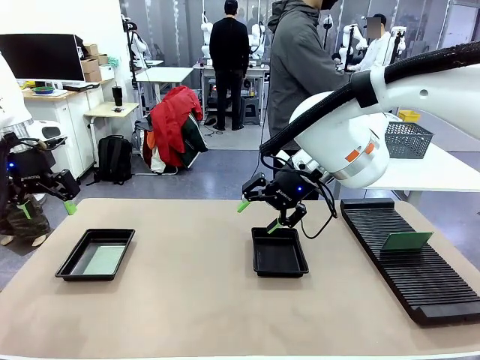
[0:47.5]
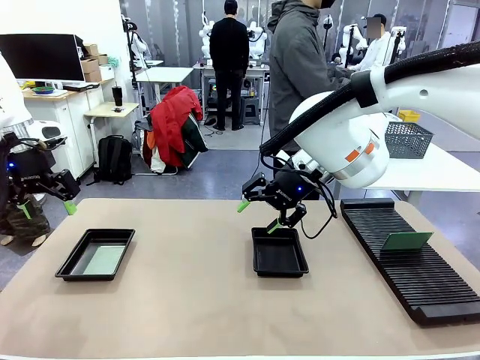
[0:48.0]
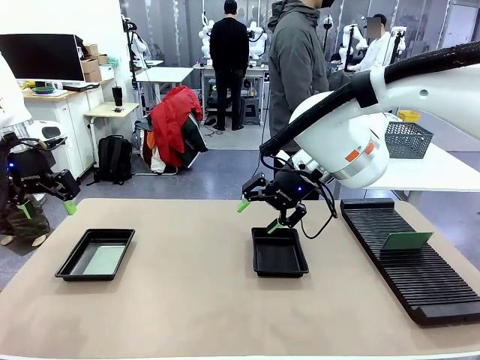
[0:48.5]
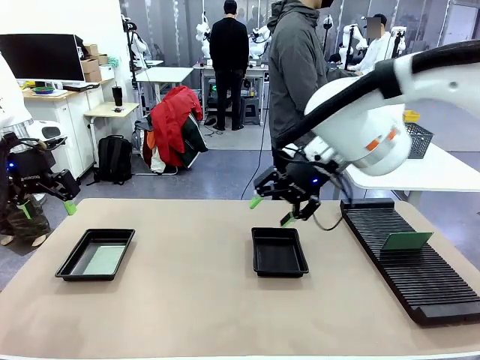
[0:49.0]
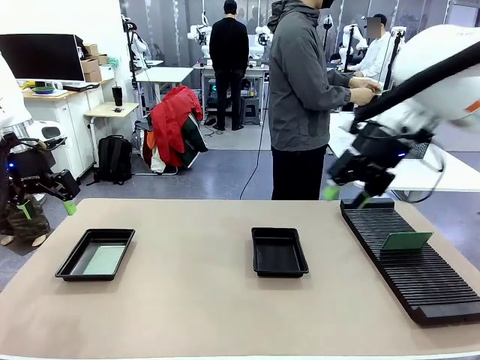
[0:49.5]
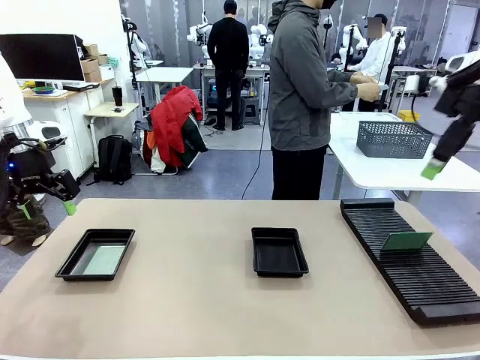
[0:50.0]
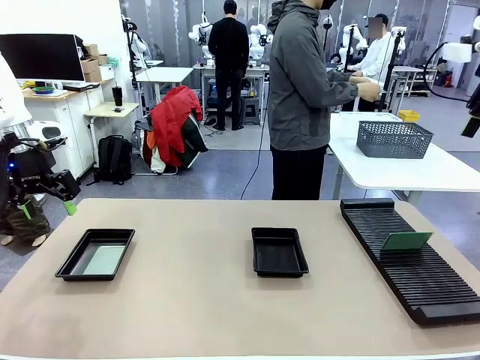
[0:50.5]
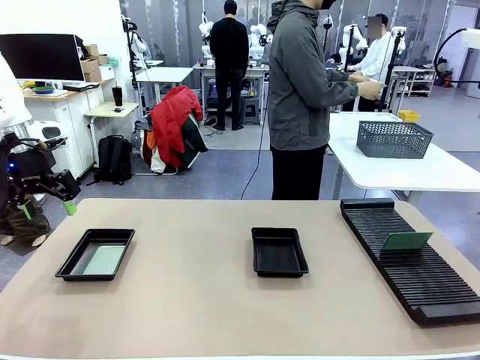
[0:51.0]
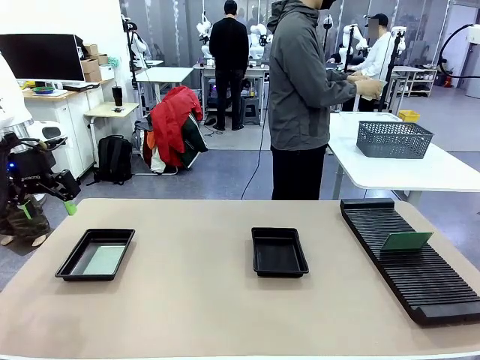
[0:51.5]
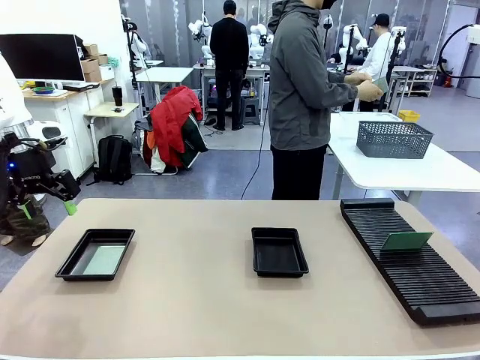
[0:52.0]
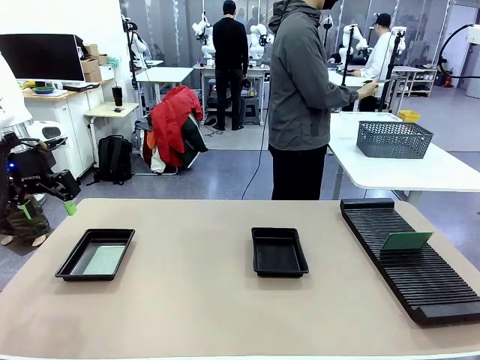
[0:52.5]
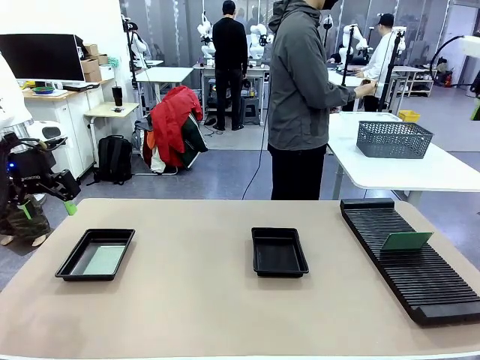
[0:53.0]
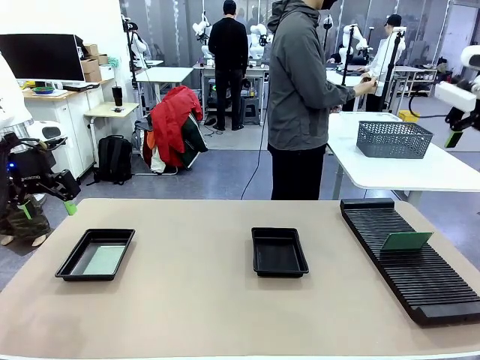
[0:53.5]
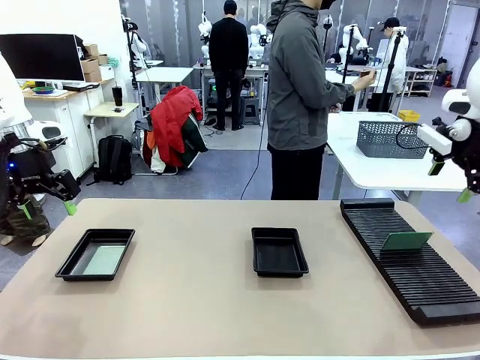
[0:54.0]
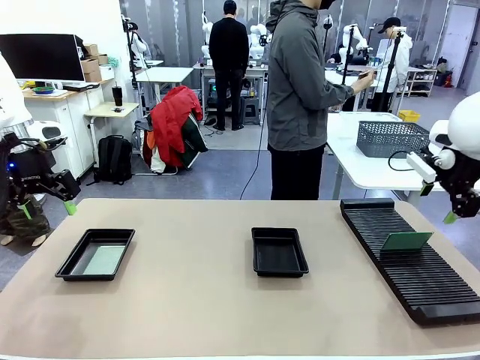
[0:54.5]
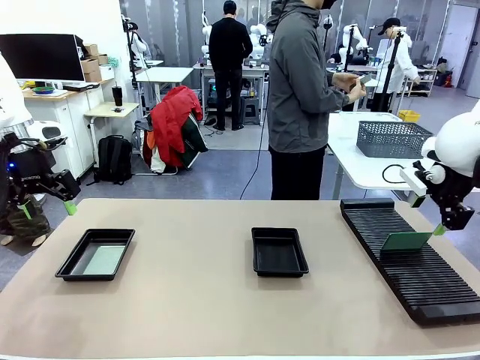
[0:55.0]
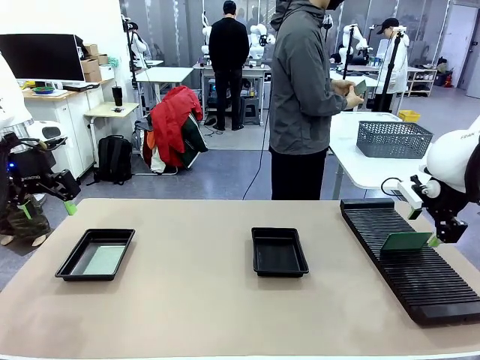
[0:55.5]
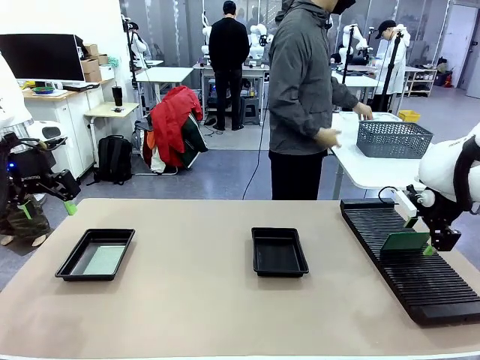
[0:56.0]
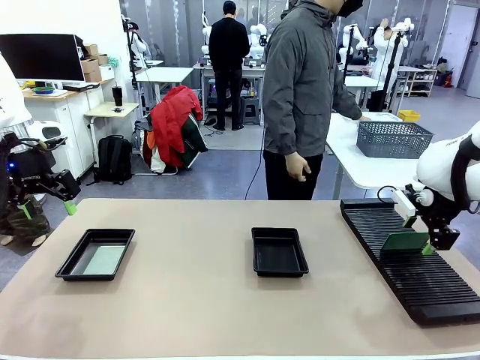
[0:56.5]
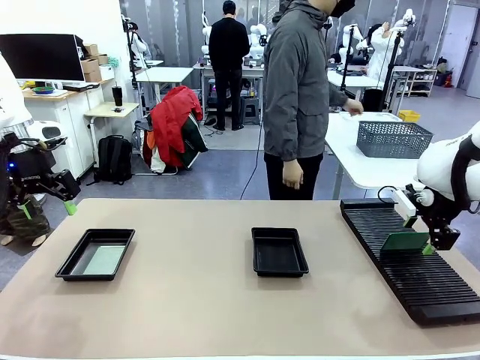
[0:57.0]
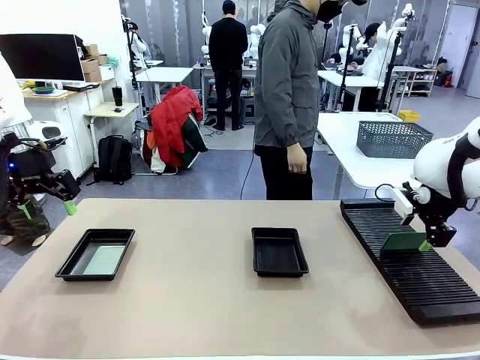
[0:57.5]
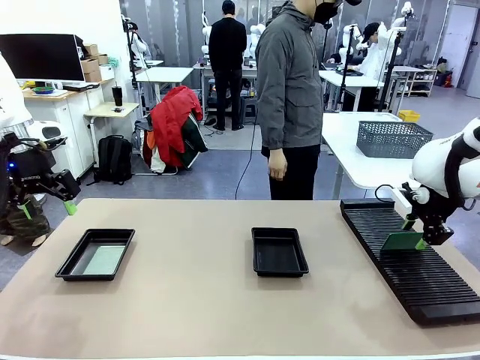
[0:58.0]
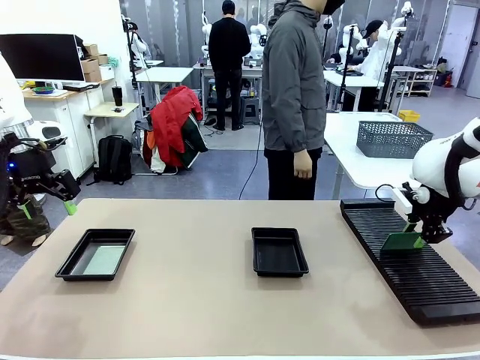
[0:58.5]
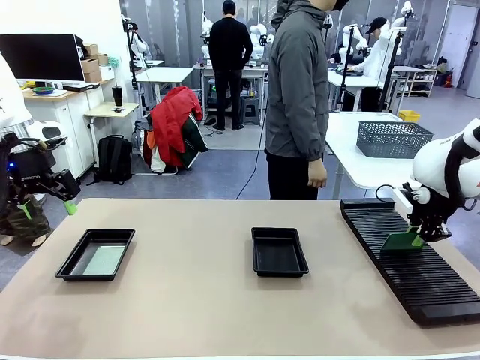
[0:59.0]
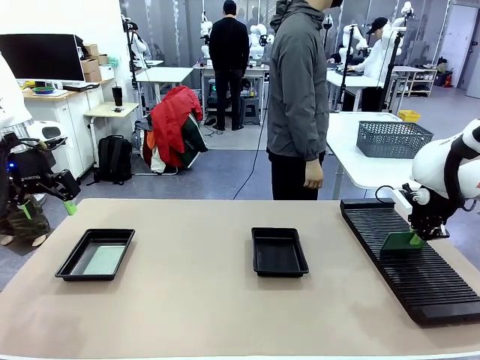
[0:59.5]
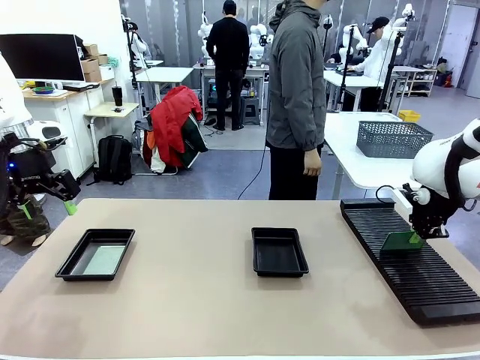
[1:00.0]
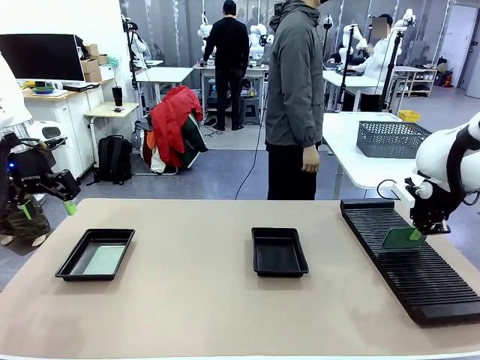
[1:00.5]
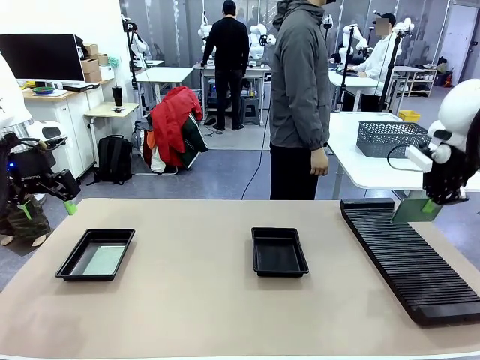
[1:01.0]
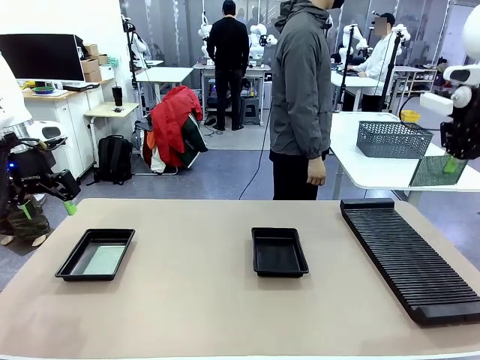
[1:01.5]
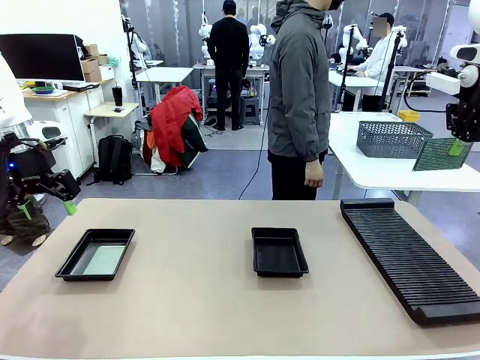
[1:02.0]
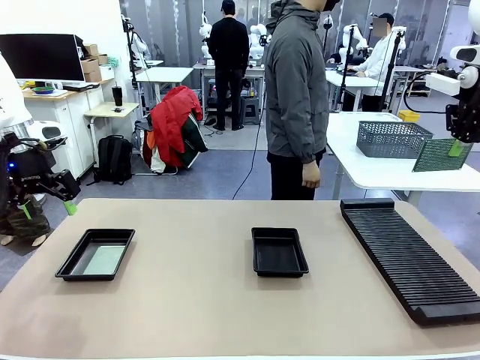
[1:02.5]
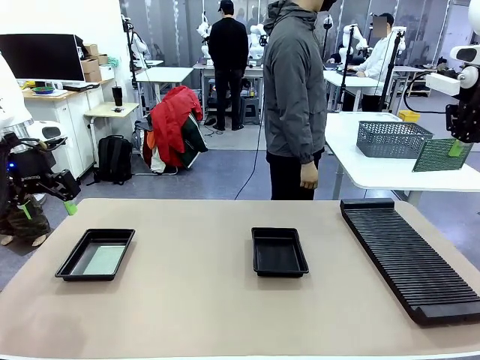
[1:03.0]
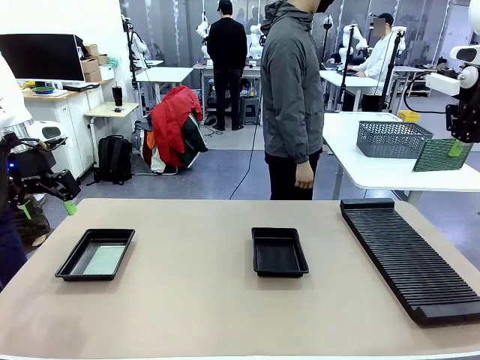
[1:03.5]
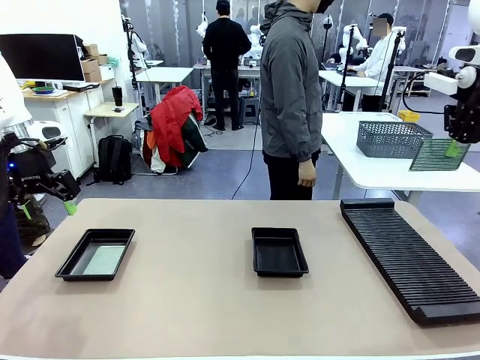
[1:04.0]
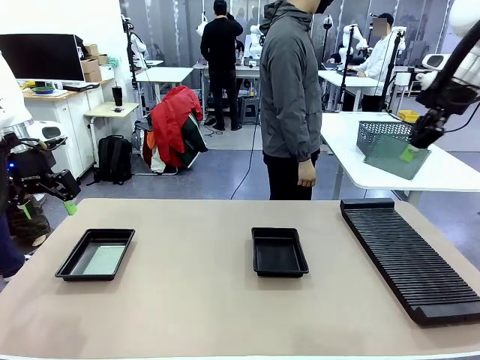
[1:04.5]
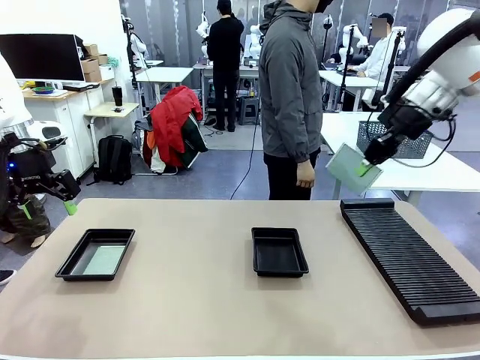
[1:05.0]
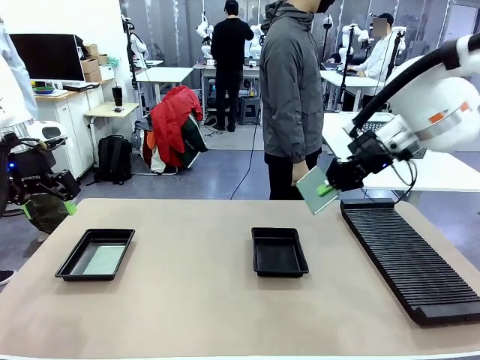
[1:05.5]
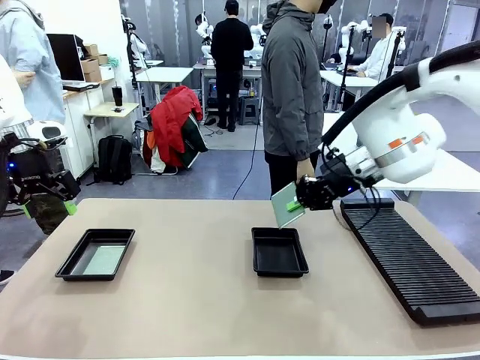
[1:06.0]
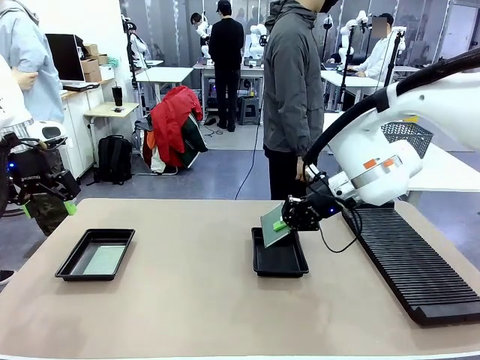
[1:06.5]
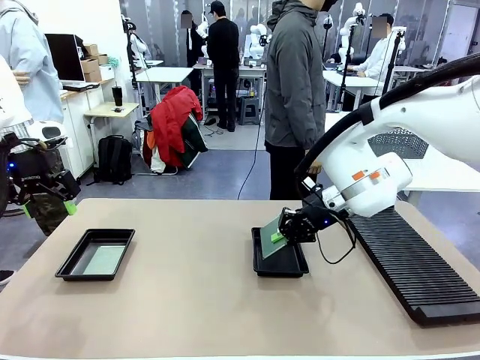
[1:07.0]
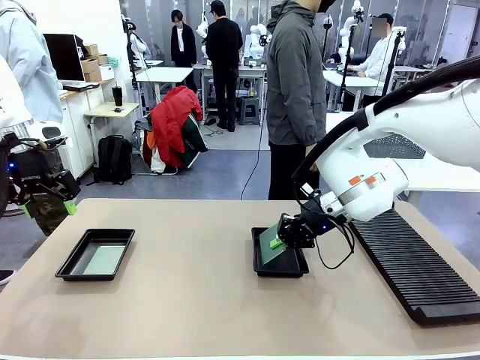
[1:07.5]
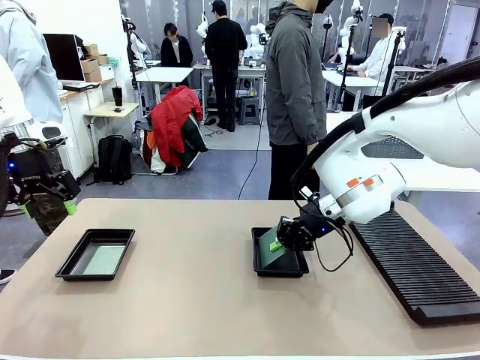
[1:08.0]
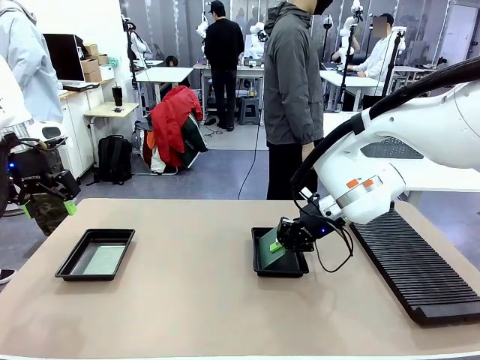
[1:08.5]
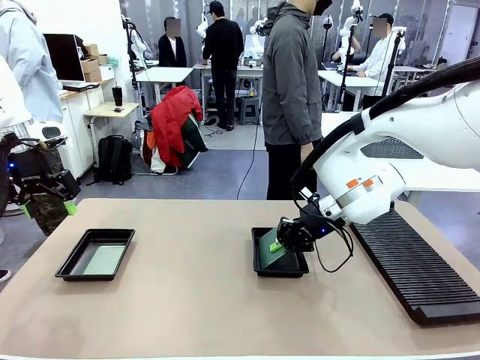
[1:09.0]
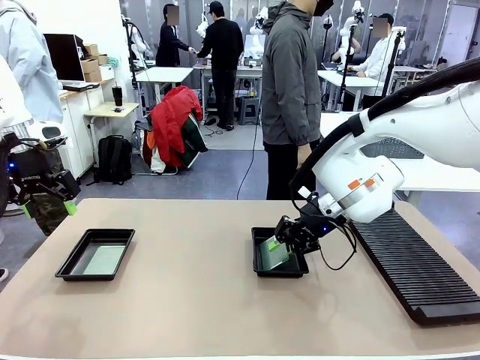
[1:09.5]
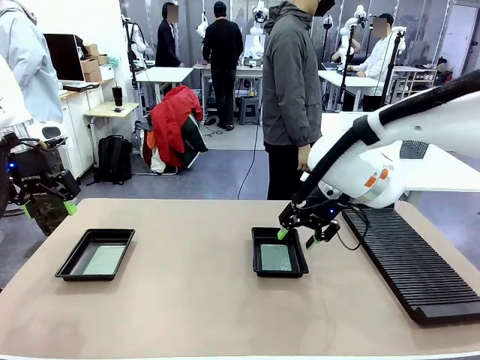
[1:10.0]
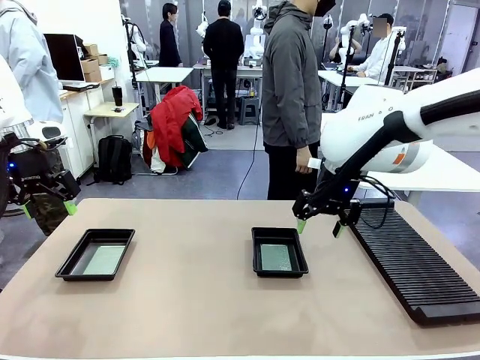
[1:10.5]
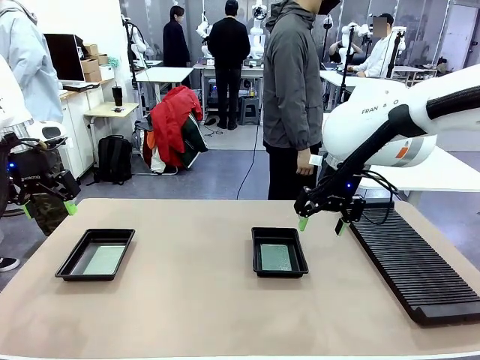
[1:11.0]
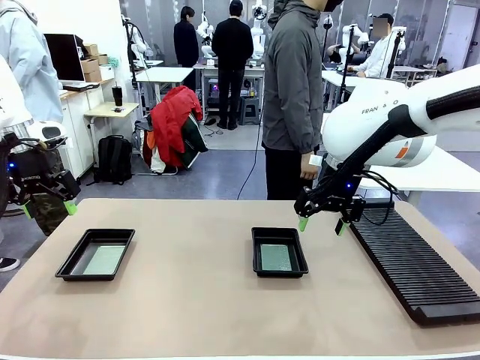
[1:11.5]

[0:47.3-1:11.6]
Task: Inspect and transfer BCBs to ESD trays.
Robot: Pick up the Blank PCB from the PCB Rack and place it in the right ESD tray.
